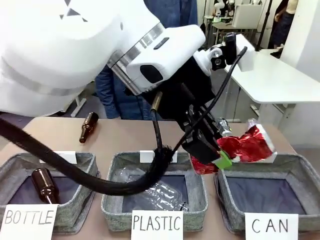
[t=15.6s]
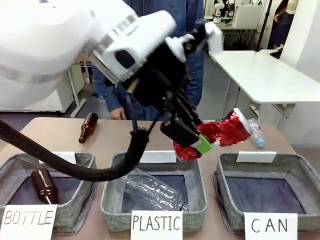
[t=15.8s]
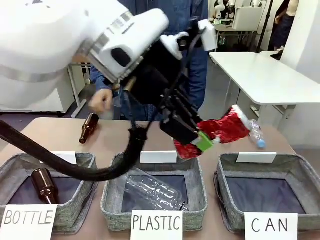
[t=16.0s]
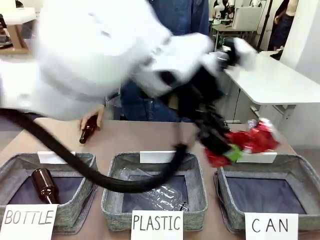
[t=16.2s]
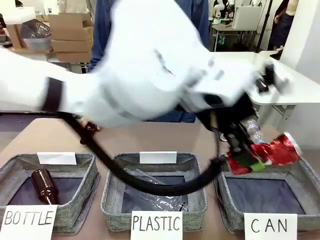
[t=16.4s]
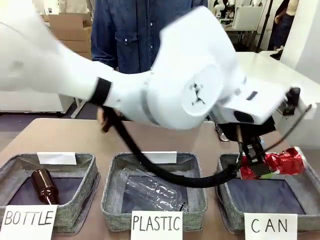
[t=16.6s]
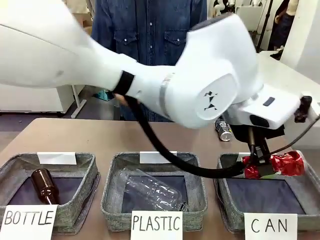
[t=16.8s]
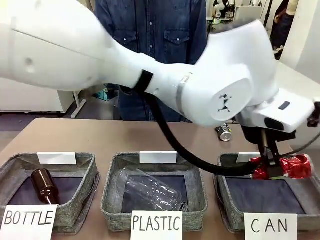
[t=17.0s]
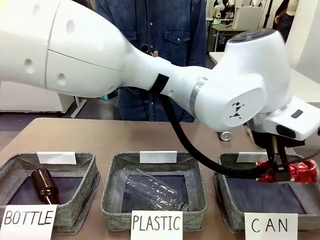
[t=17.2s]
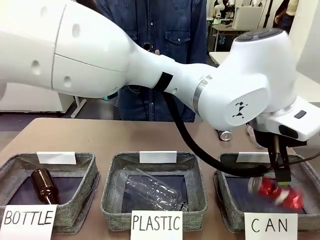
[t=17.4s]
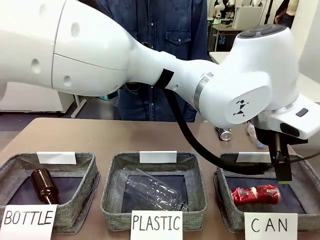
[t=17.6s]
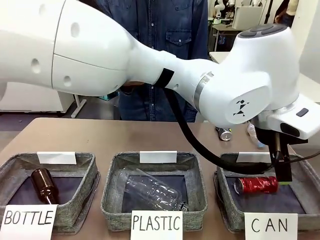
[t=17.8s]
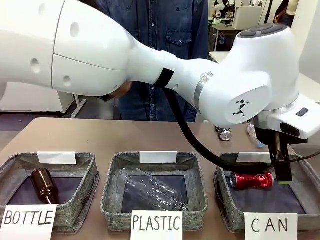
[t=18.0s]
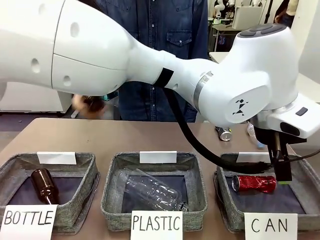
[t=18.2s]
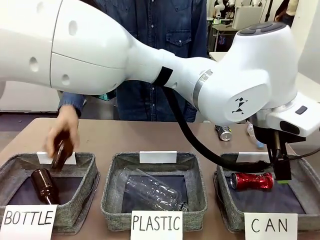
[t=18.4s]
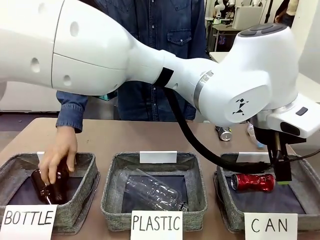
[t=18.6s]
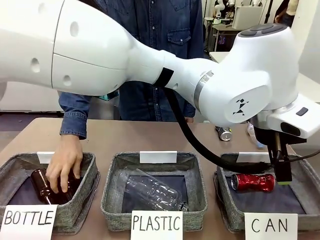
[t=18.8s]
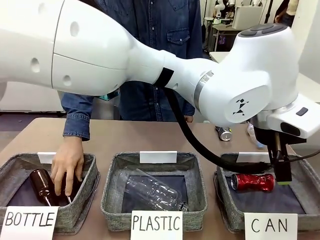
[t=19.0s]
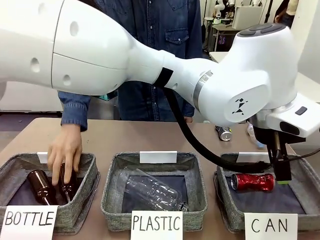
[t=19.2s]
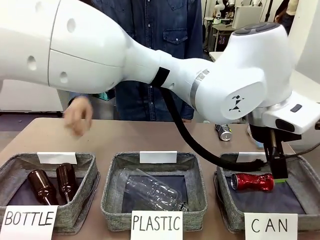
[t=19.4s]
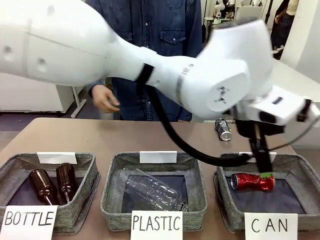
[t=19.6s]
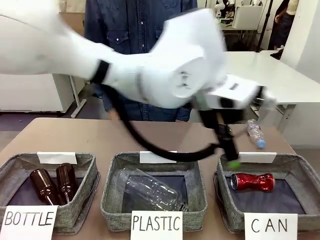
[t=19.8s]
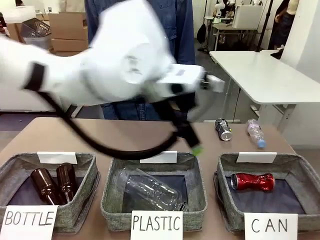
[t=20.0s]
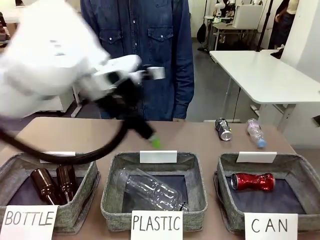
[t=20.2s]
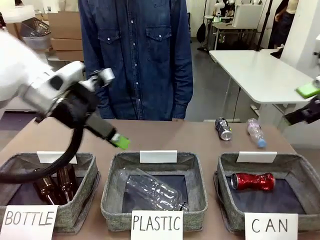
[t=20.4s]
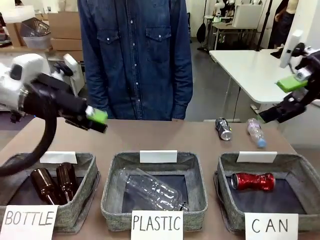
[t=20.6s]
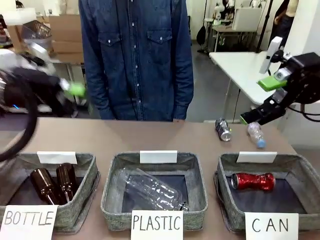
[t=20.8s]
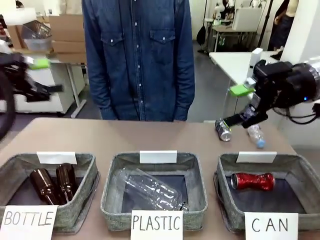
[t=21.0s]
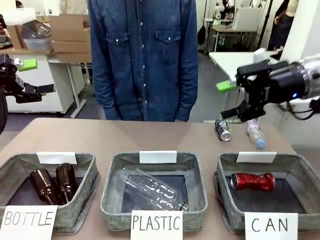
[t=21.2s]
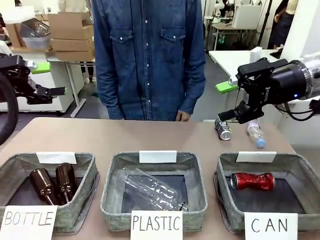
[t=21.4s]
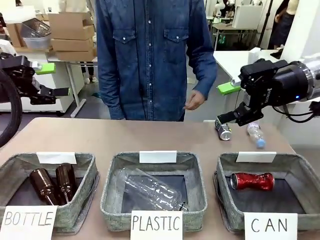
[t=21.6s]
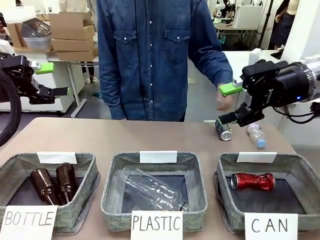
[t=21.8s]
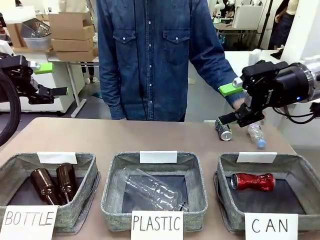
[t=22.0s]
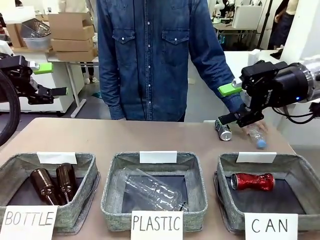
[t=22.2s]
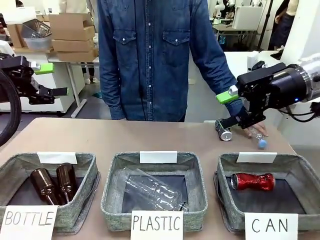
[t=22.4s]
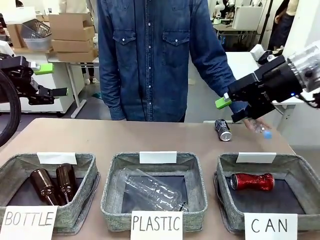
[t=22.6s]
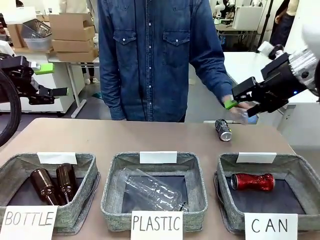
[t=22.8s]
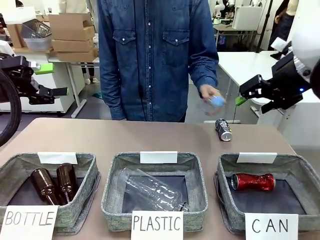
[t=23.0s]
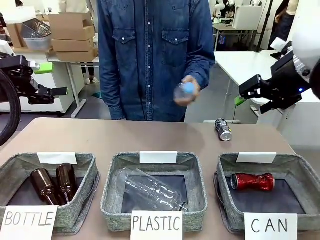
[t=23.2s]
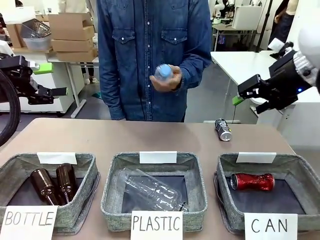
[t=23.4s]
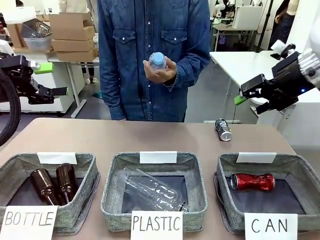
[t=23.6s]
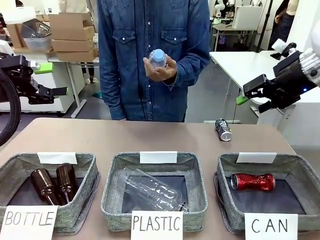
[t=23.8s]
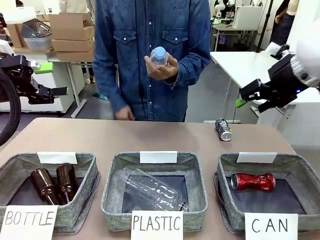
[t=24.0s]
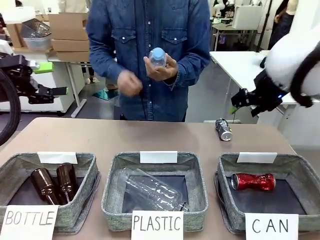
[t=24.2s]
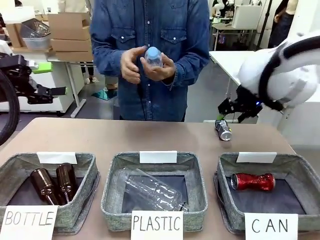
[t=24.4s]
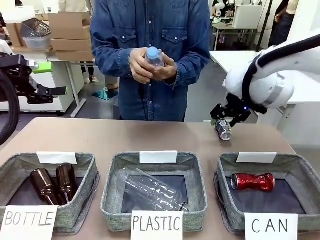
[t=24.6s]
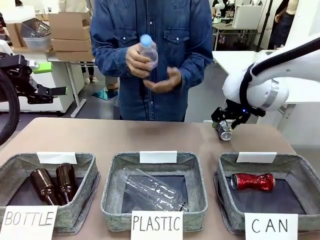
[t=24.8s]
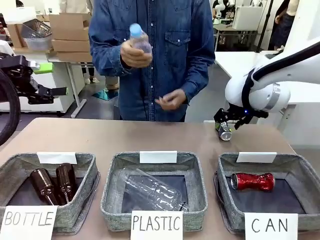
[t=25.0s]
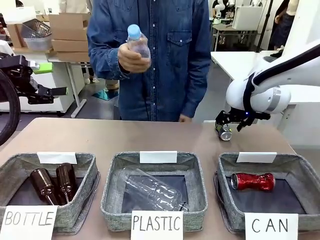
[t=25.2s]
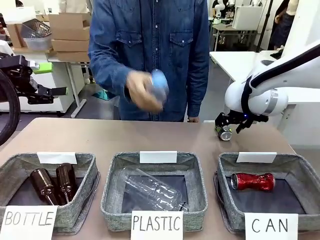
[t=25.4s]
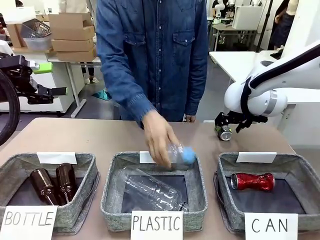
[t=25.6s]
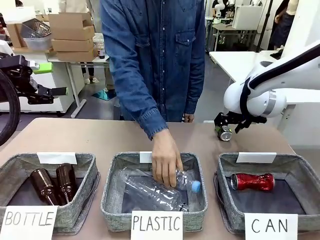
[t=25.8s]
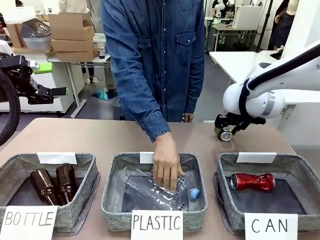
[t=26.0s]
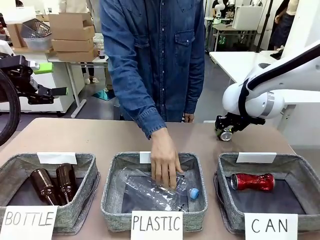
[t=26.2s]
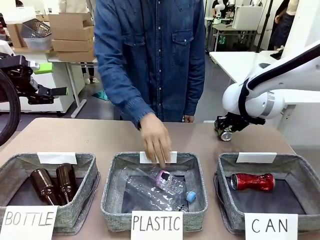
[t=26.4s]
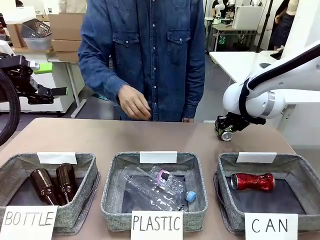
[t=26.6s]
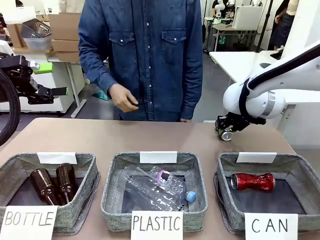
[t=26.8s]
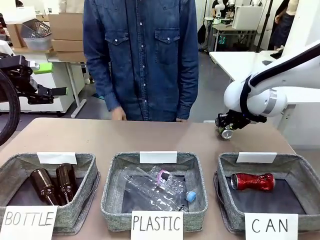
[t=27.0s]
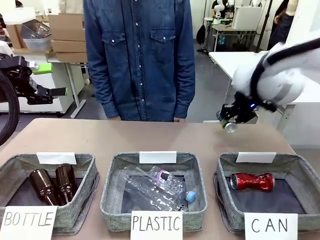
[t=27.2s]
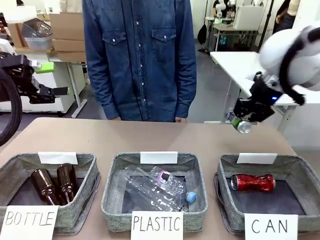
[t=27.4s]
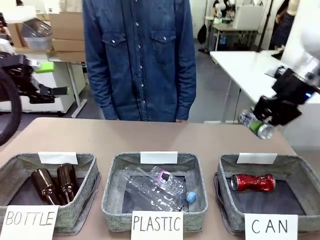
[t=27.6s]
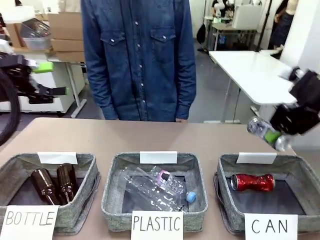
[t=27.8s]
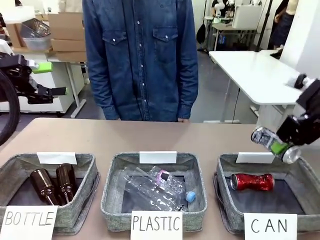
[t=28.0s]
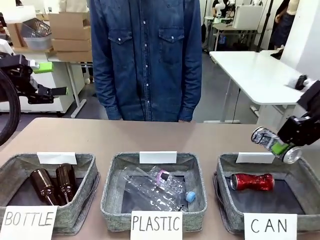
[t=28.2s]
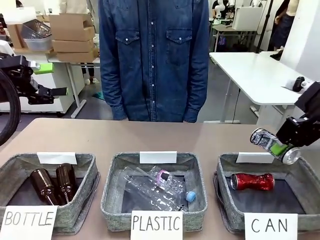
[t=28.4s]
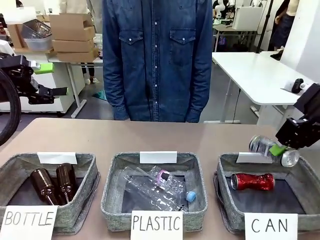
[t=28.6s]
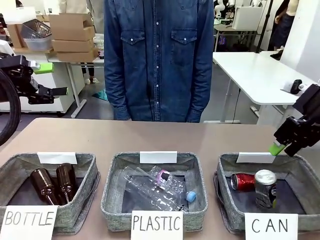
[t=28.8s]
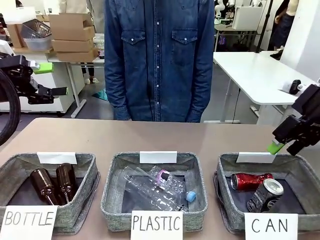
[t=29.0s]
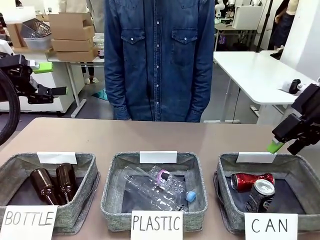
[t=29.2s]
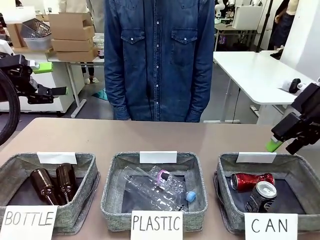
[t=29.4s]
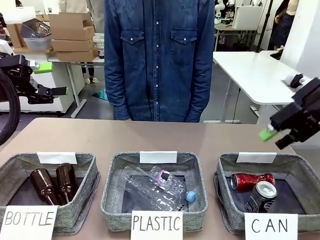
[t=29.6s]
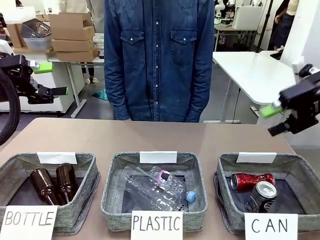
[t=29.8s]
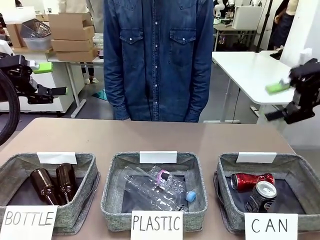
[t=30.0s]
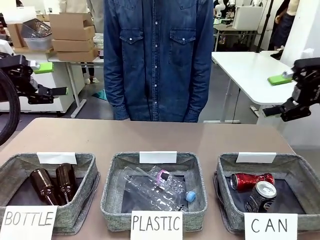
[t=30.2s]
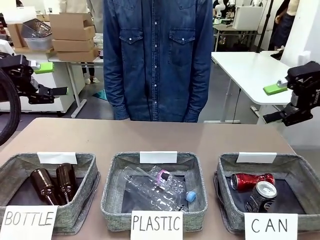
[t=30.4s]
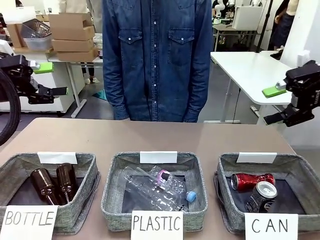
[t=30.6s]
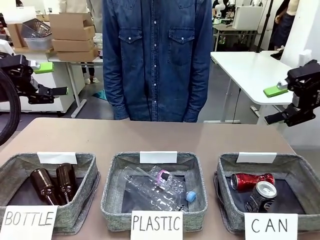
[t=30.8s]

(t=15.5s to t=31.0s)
Task: Sort the can waste into the basket.
Robot: Pick up the can waste from the table and place it in the right Fabric basket.
